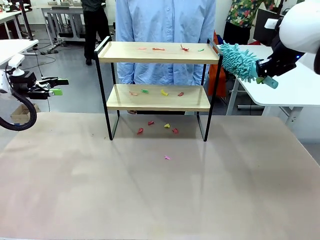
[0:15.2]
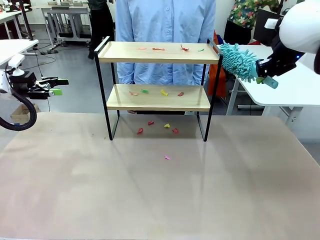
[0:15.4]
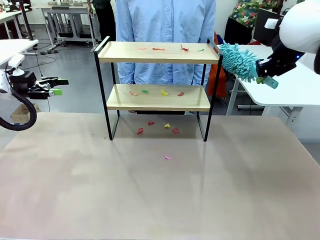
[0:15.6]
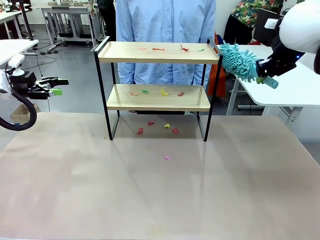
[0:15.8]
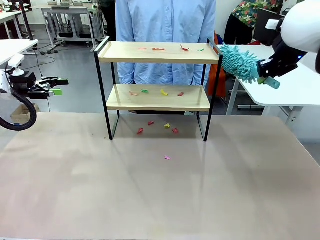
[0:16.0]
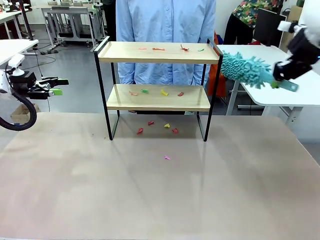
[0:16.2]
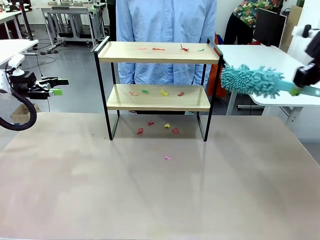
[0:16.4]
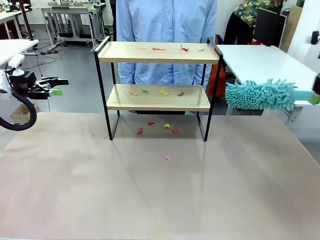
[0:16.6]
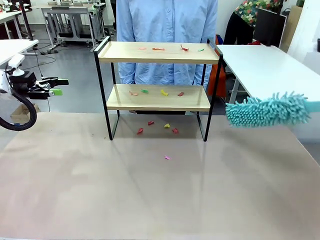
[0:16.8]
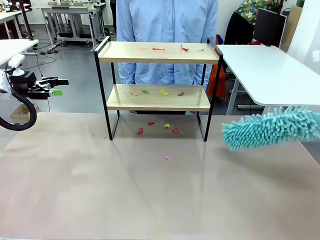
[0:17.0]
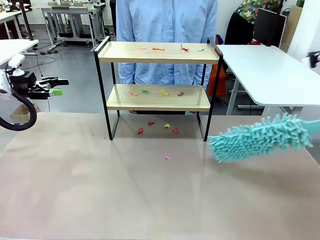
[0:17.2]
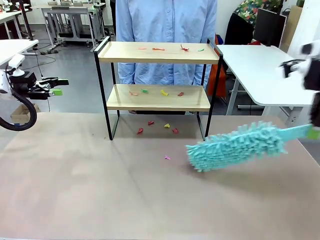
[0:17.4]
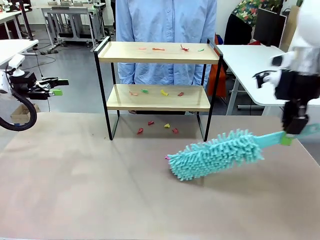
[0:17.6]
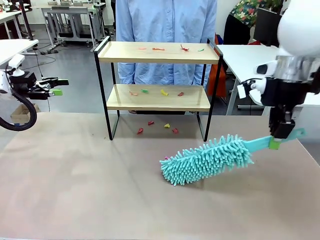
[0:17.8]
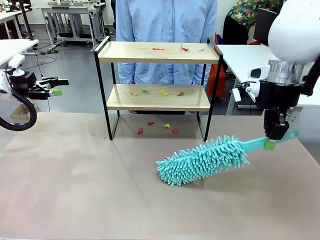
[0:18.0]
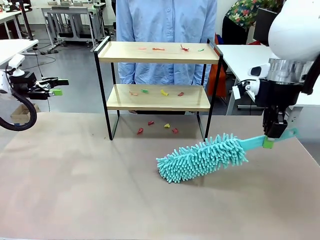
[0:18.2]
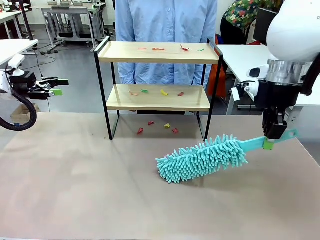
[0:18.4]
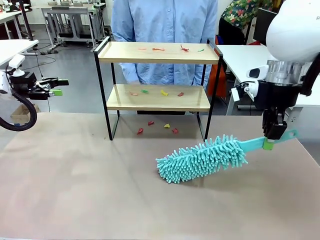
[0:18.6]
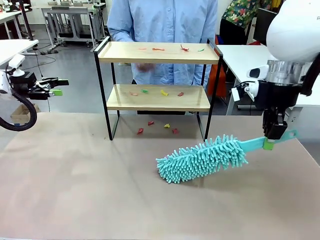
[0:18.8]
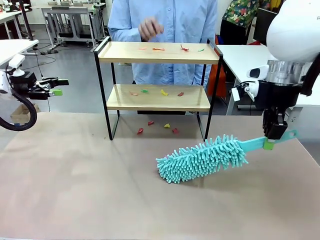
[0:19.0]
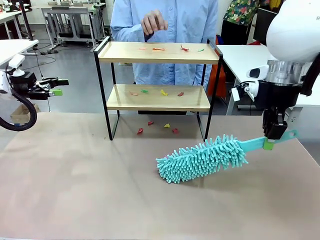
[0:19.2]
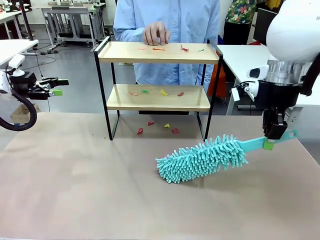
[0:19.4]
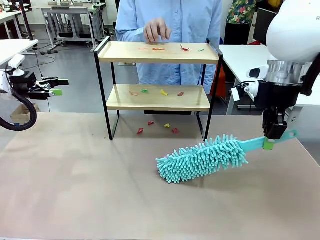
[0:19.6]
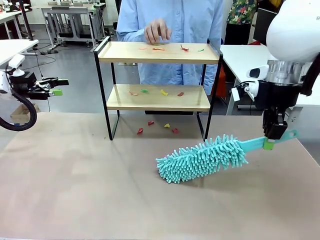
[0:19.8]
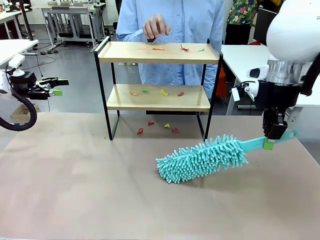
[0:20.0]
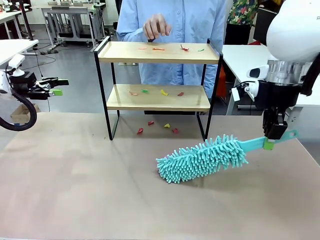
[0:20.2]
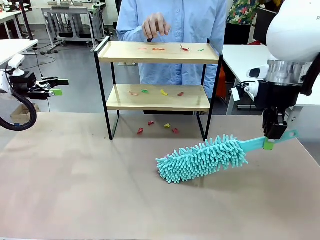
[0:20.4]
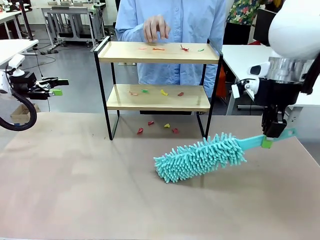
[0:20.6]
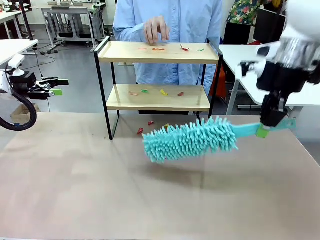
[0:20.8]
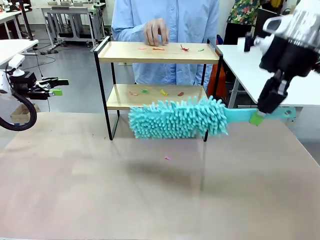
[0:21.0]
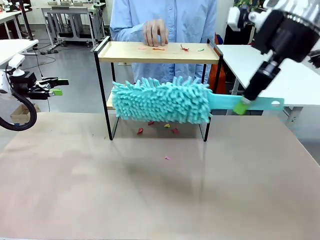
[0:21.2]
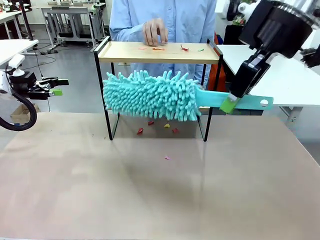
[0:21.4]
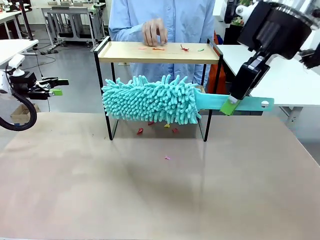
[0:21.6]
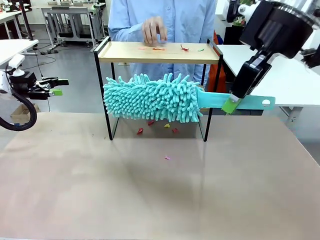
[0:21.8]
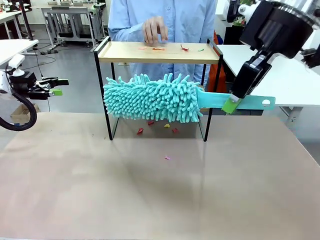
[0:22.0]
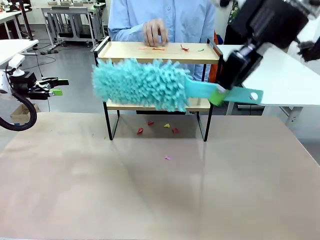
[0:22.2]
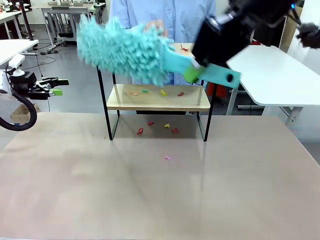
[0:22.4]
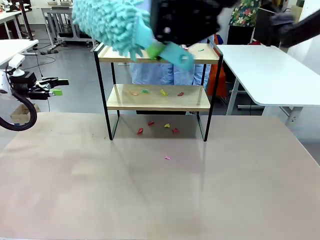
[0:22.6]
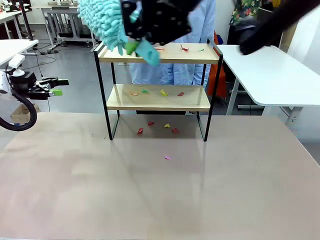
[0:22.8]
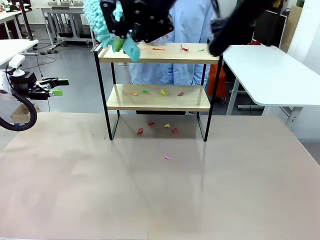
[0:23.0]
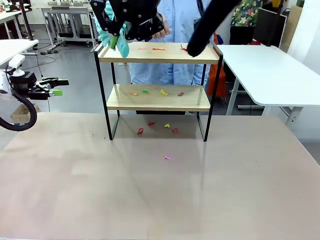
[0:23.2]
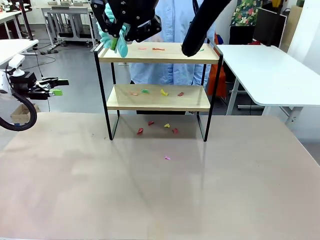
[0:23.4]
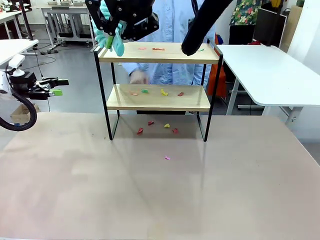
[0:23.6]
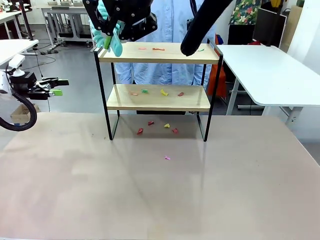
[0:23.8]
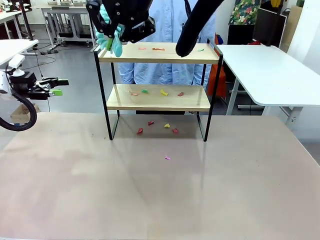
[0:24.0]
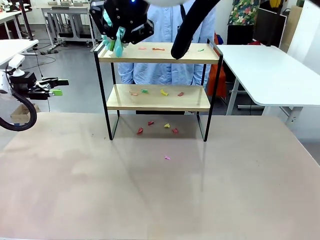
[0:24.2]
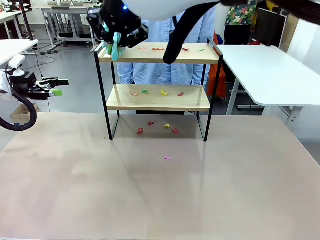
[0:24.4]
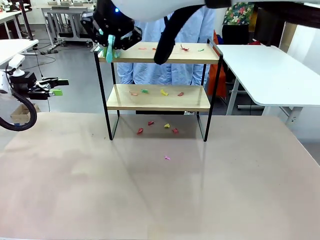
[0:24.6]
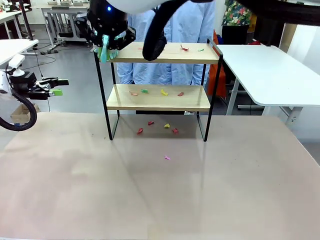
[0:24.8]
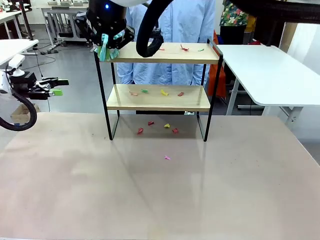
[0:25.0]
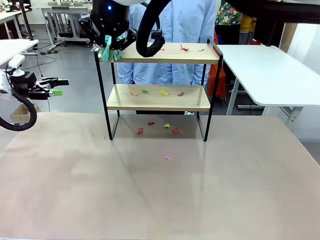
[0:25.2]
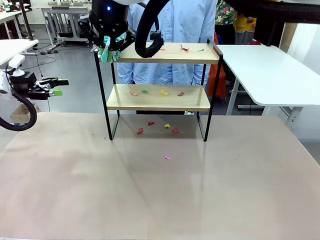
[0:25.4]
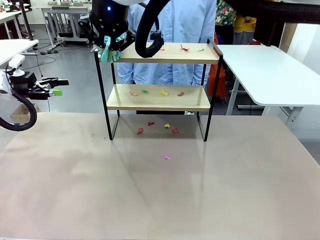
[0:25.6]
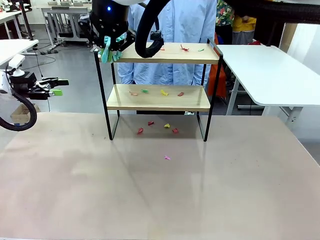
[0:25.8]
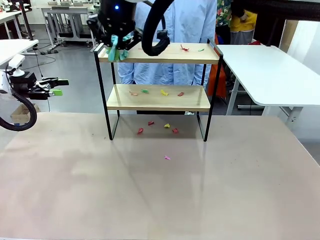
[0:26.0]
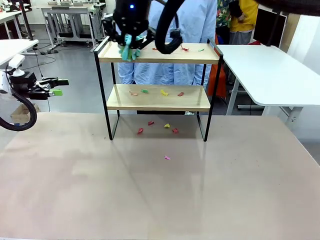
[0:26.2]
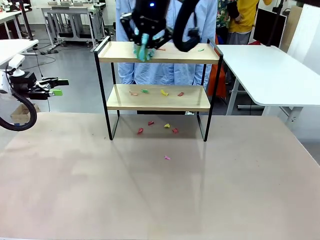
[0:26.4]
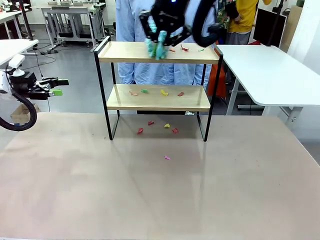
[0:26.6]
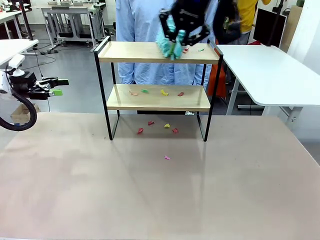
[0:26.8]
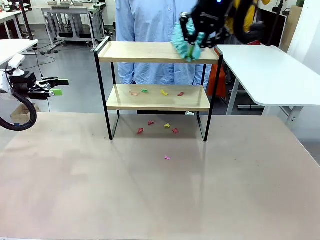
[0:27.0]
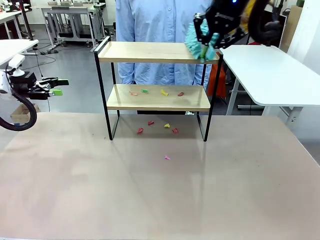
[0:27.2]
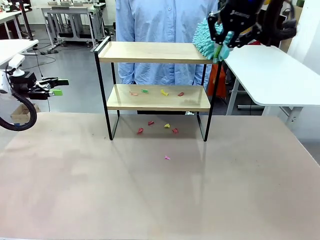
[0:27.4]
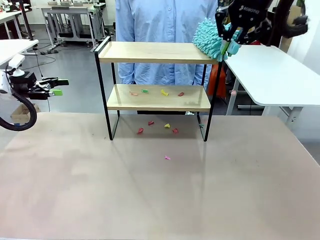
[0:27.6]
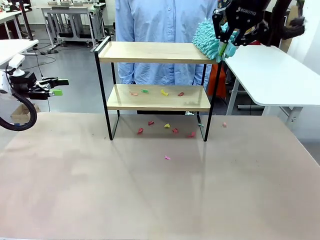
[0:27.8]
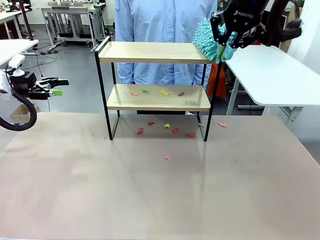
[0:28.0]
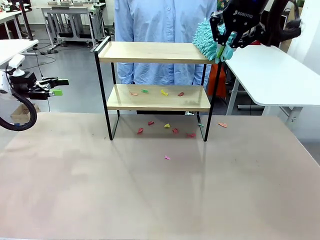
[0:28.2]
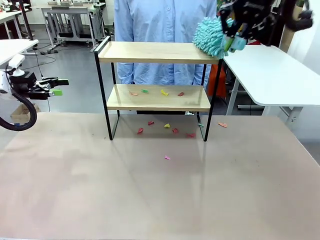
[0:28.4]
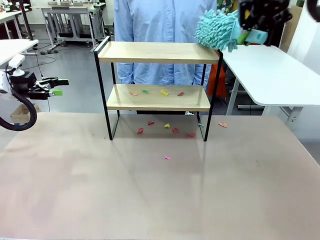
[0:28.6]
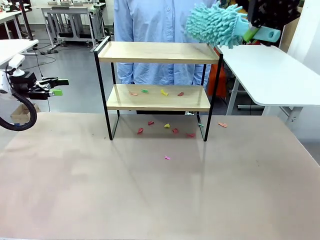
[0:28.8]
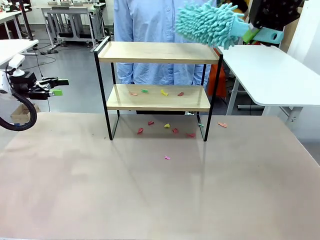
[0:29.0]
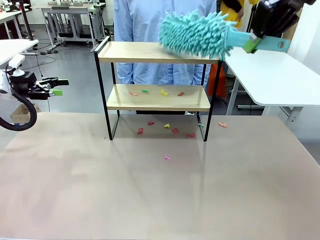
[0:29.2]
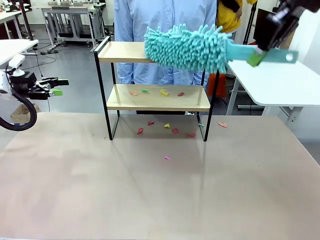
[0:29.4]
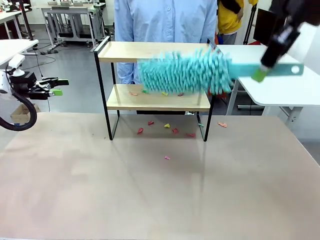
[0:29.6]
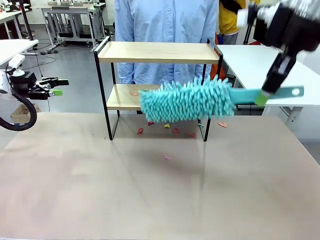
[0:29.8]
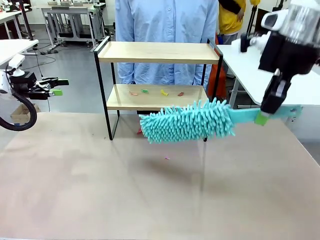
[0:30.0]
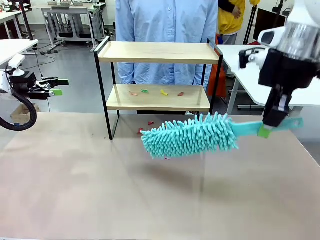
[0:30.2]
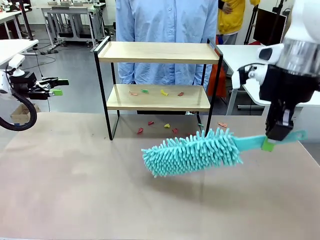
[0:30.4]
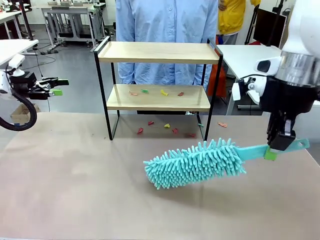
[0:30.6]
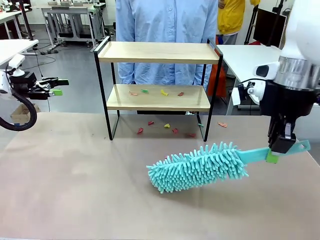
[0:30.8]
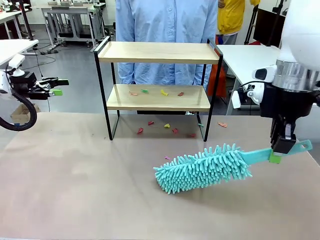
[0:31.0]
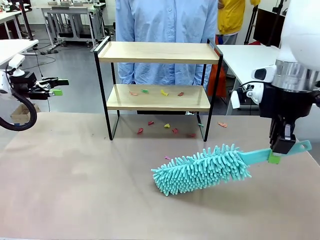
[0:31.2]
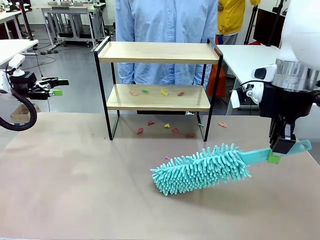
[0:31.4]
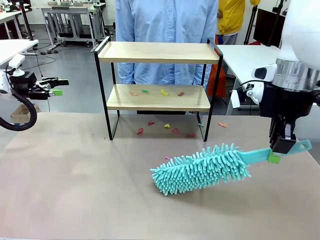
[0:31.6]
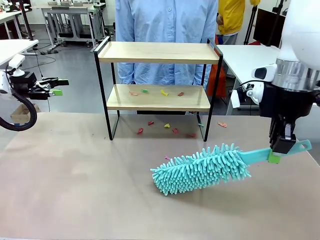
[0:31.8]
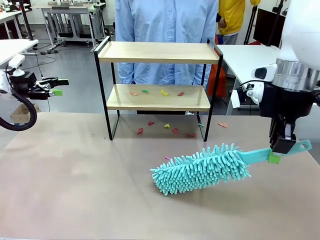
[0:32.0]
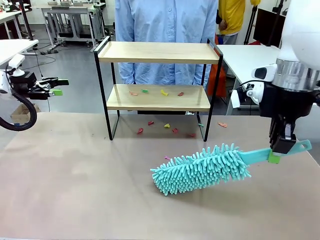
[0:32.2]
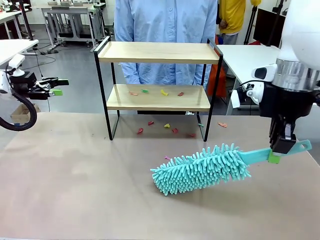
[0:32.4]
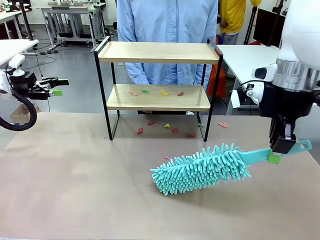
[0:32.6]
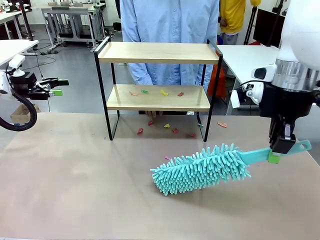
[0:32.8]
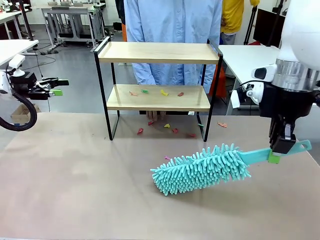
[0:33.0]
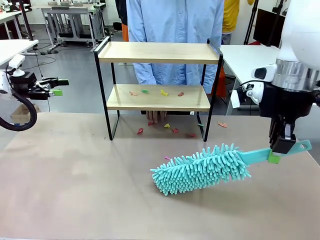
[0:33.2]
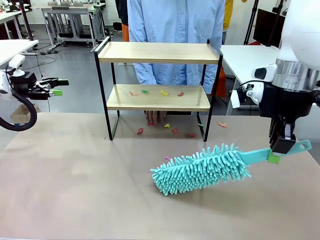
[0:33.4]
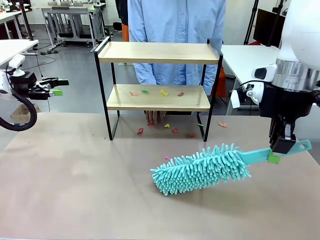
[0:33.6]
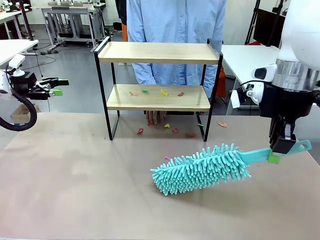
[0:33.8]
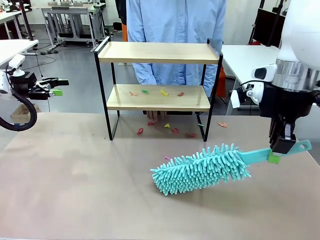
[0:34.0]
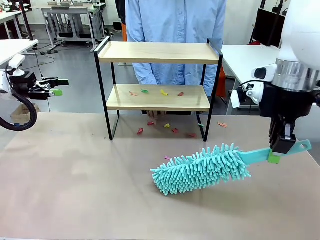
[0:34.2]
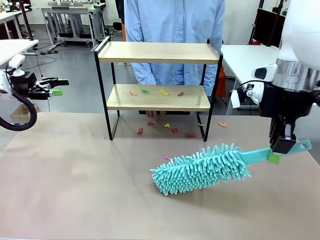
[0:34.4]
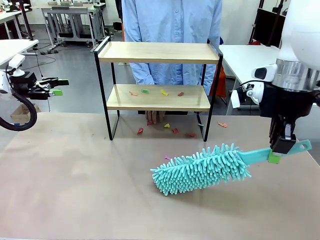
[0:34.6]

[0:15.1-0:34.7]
Task: Clean the shelf.
Robot: Clean the specific section of the Shelf indicated by the human with the Duster.
Person: Point a random section of the Shelf.
